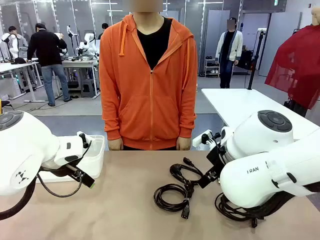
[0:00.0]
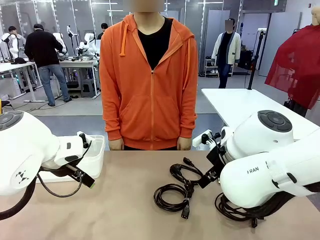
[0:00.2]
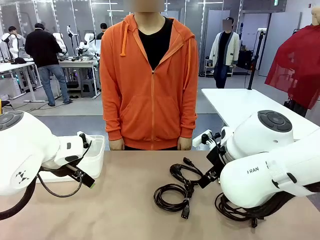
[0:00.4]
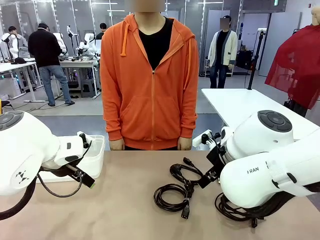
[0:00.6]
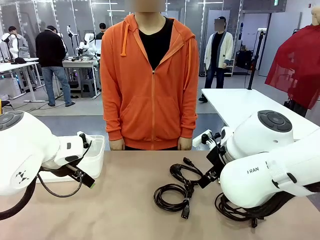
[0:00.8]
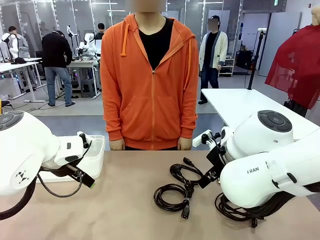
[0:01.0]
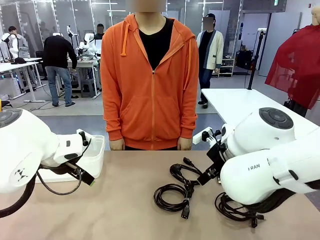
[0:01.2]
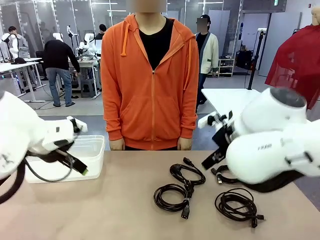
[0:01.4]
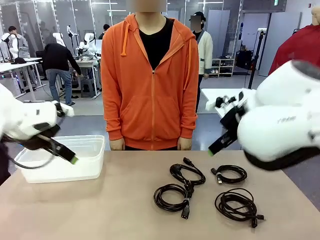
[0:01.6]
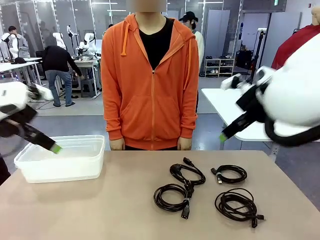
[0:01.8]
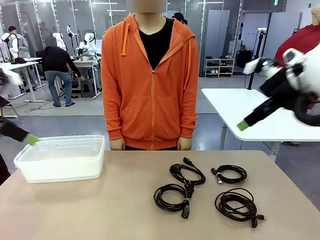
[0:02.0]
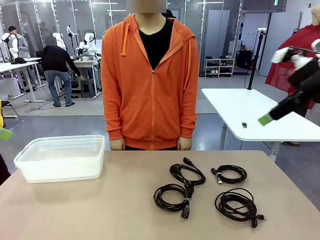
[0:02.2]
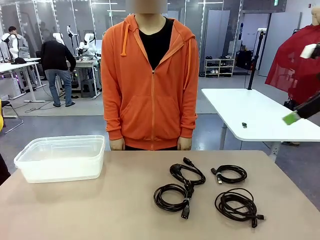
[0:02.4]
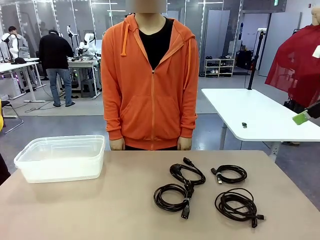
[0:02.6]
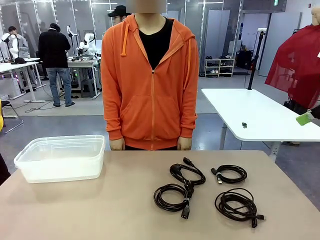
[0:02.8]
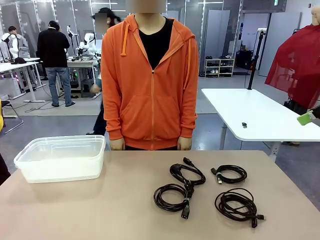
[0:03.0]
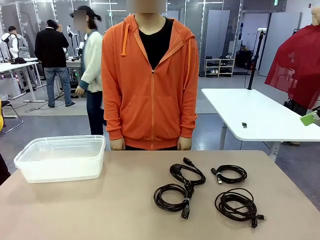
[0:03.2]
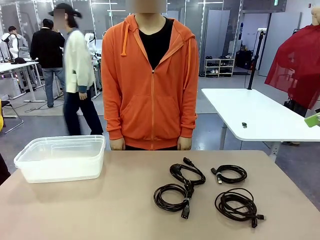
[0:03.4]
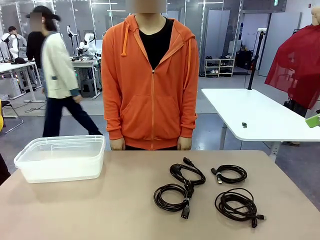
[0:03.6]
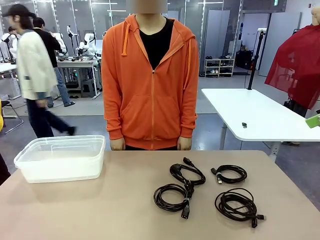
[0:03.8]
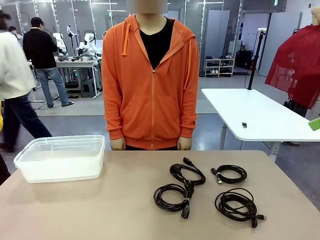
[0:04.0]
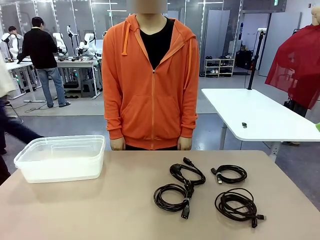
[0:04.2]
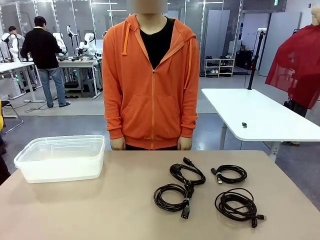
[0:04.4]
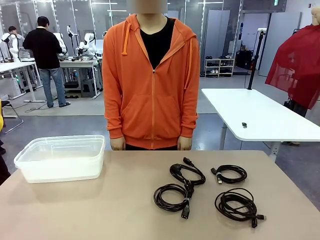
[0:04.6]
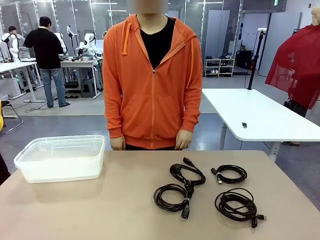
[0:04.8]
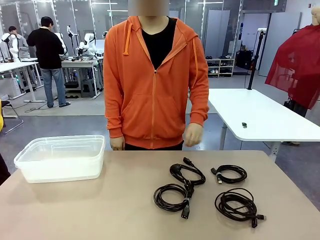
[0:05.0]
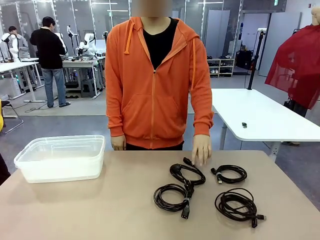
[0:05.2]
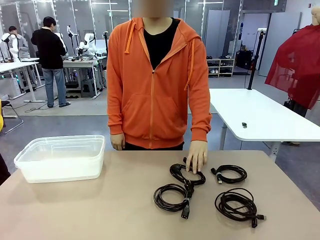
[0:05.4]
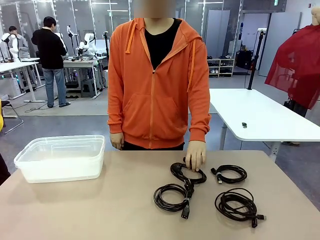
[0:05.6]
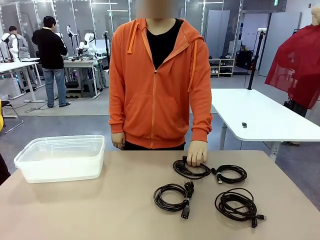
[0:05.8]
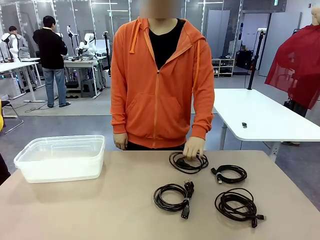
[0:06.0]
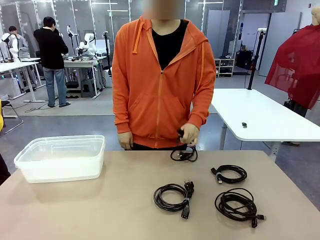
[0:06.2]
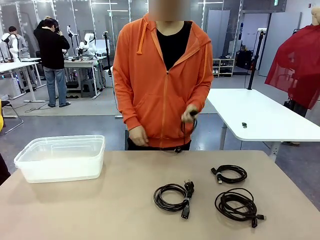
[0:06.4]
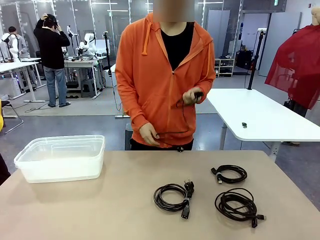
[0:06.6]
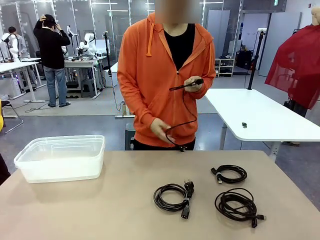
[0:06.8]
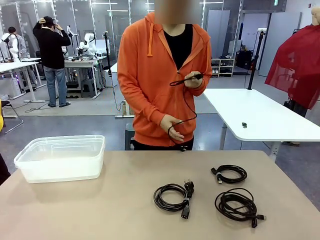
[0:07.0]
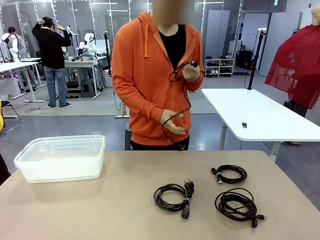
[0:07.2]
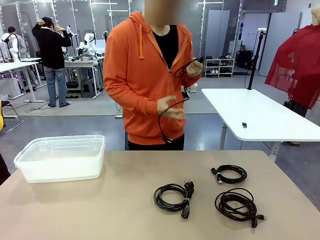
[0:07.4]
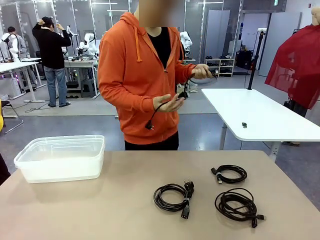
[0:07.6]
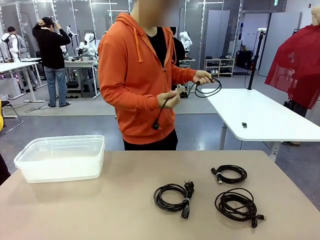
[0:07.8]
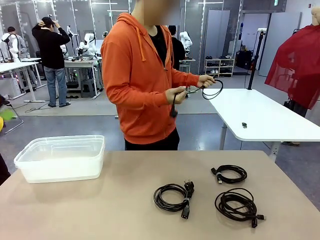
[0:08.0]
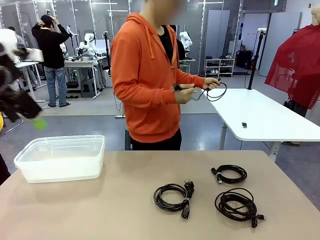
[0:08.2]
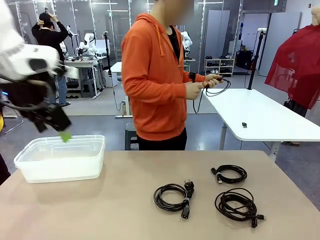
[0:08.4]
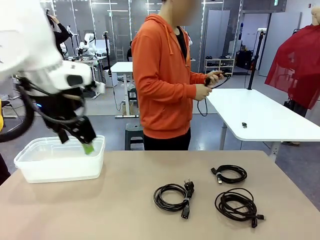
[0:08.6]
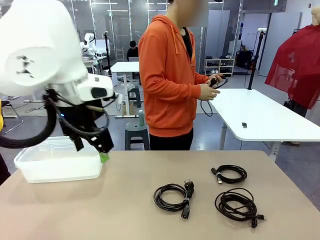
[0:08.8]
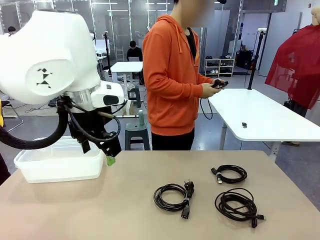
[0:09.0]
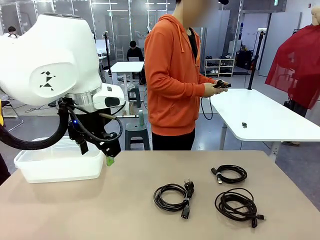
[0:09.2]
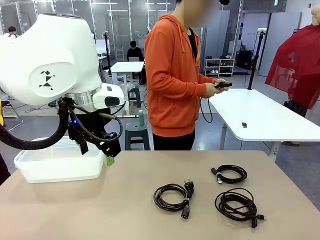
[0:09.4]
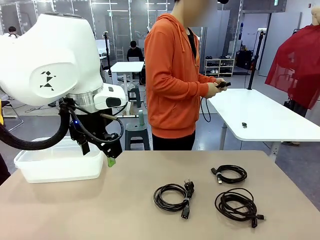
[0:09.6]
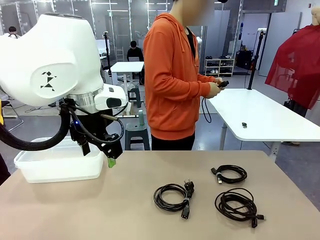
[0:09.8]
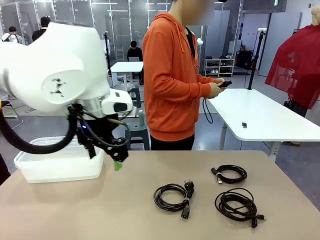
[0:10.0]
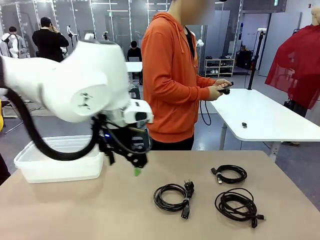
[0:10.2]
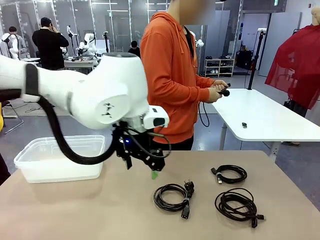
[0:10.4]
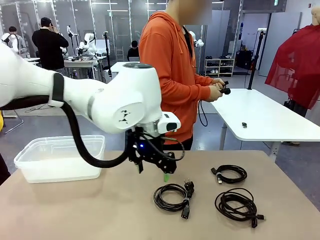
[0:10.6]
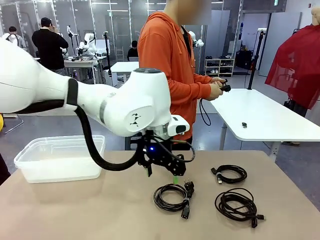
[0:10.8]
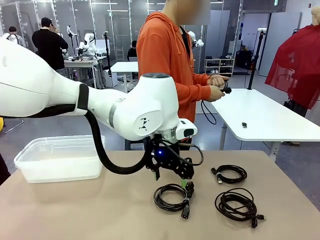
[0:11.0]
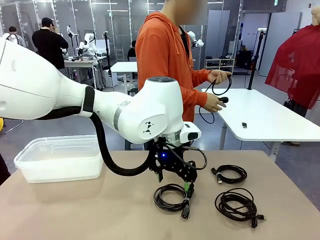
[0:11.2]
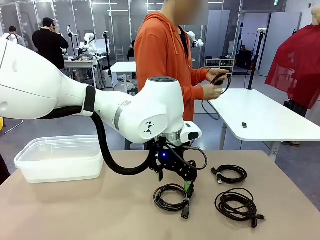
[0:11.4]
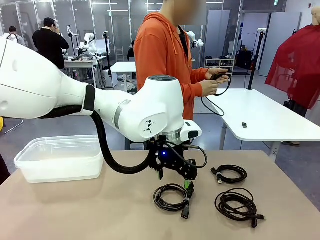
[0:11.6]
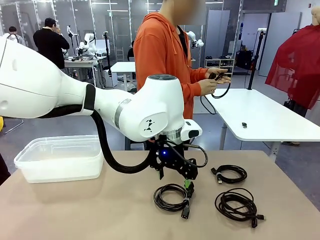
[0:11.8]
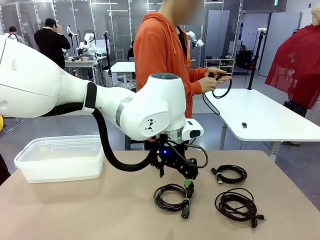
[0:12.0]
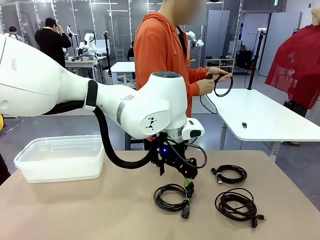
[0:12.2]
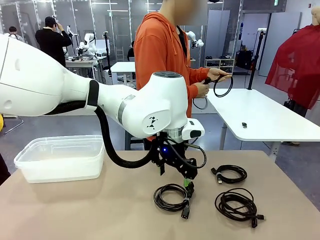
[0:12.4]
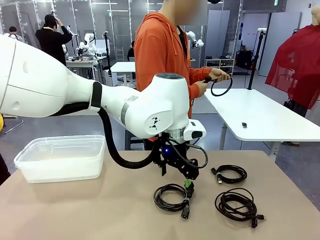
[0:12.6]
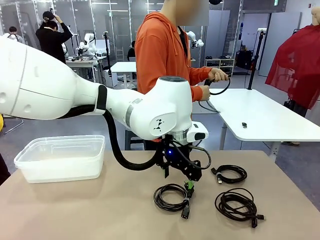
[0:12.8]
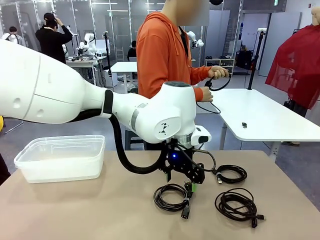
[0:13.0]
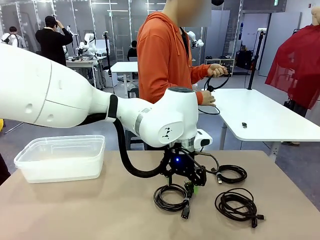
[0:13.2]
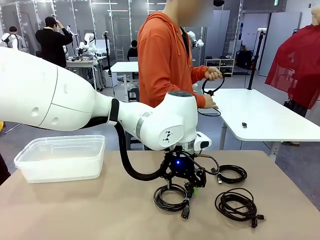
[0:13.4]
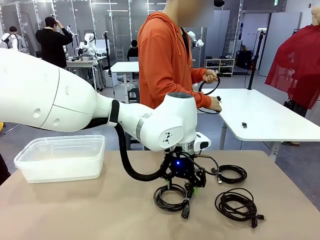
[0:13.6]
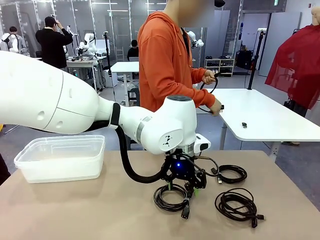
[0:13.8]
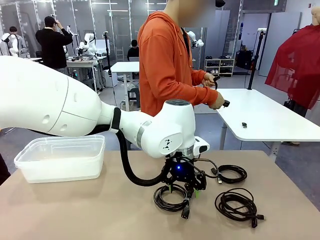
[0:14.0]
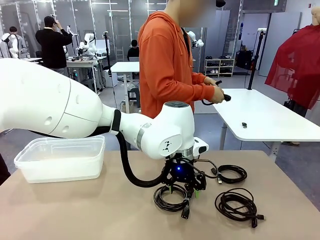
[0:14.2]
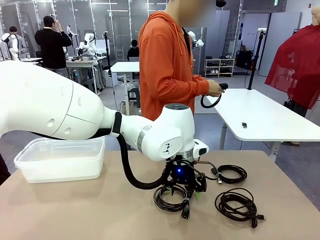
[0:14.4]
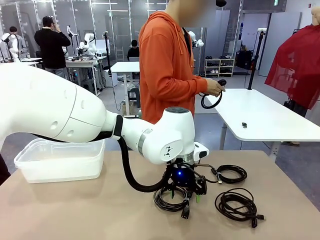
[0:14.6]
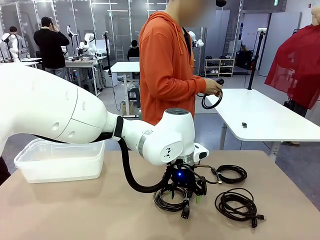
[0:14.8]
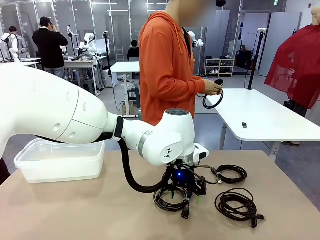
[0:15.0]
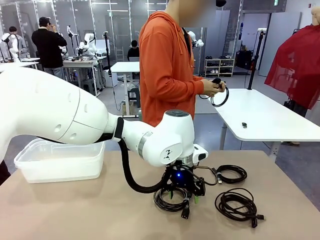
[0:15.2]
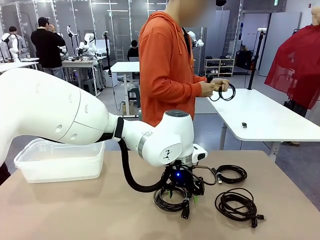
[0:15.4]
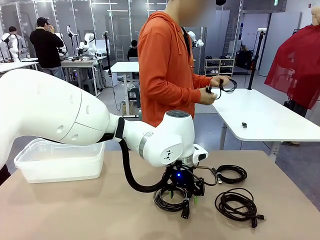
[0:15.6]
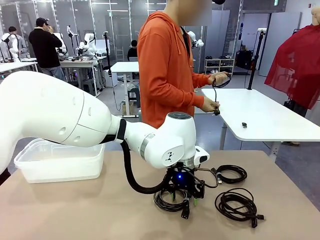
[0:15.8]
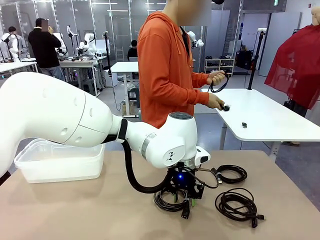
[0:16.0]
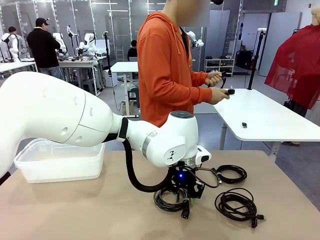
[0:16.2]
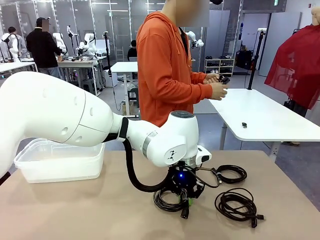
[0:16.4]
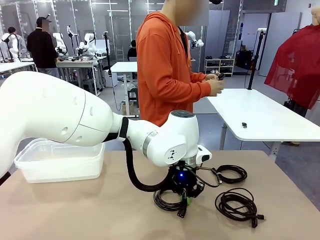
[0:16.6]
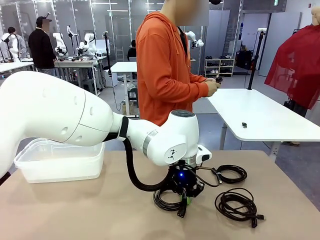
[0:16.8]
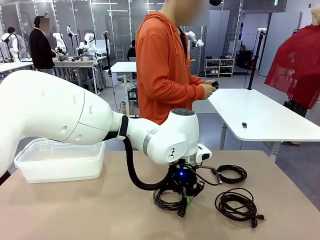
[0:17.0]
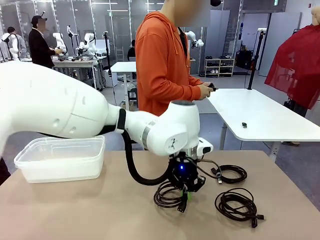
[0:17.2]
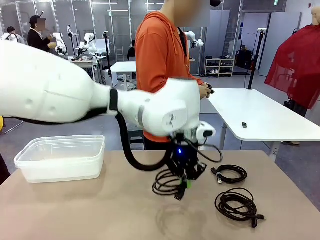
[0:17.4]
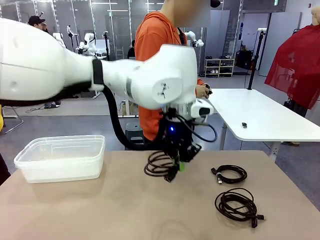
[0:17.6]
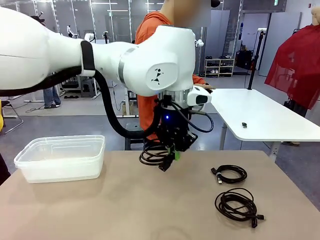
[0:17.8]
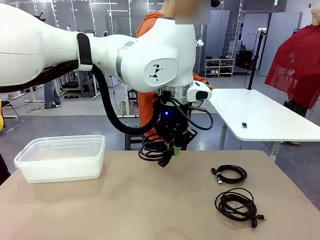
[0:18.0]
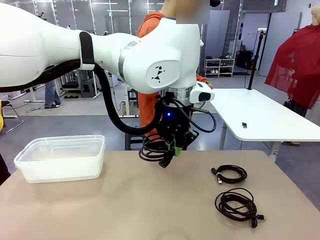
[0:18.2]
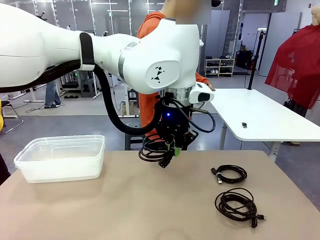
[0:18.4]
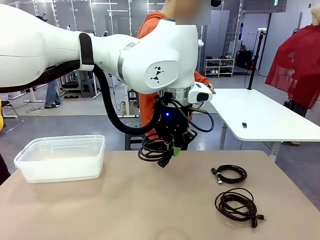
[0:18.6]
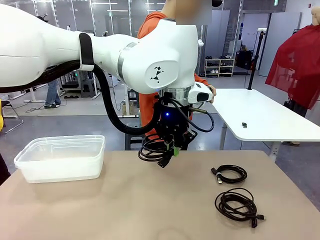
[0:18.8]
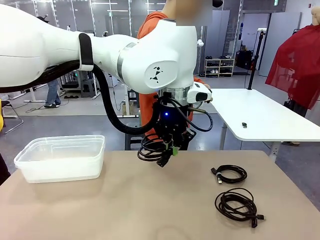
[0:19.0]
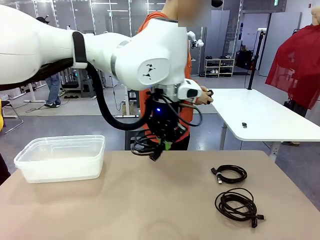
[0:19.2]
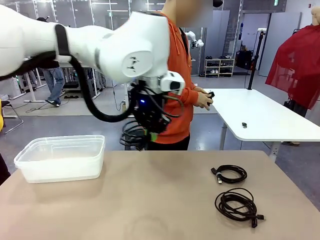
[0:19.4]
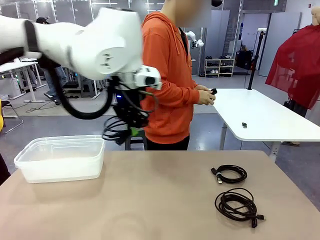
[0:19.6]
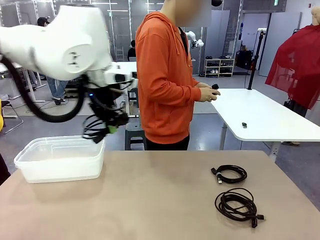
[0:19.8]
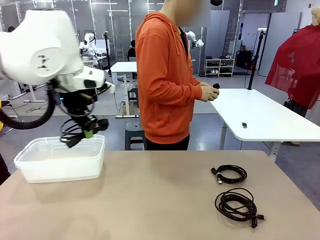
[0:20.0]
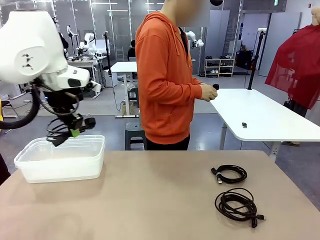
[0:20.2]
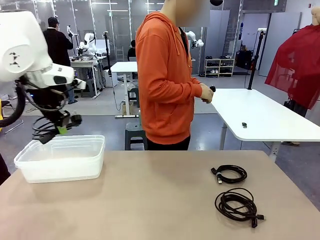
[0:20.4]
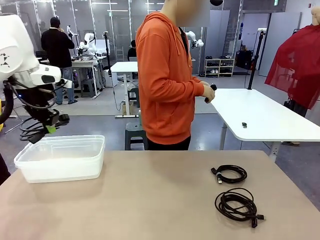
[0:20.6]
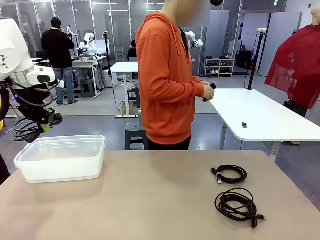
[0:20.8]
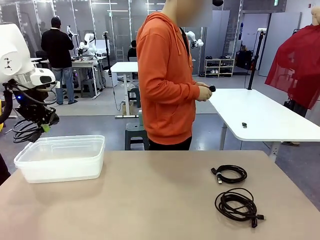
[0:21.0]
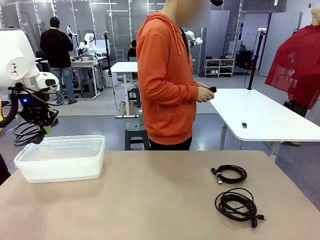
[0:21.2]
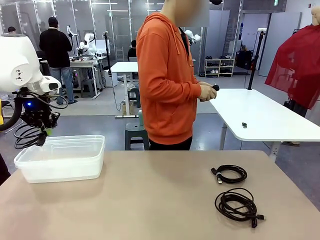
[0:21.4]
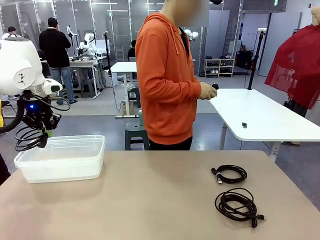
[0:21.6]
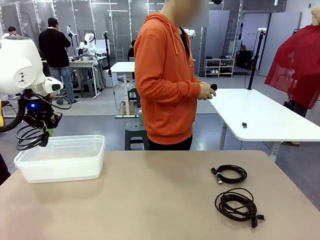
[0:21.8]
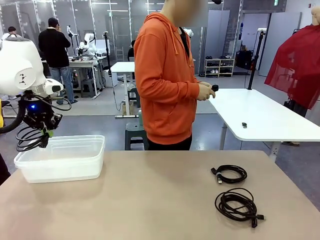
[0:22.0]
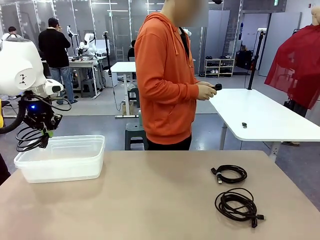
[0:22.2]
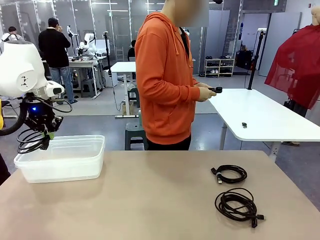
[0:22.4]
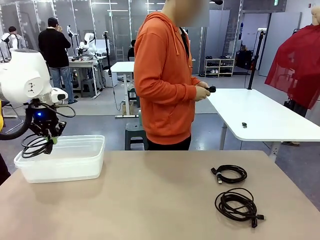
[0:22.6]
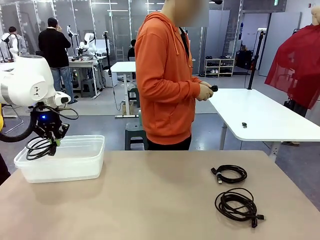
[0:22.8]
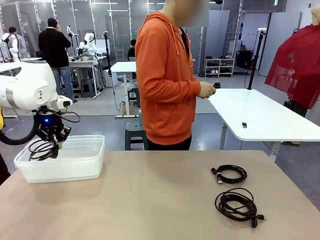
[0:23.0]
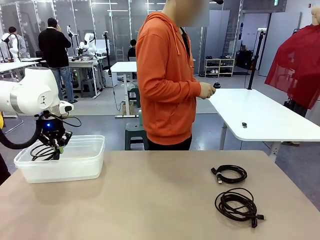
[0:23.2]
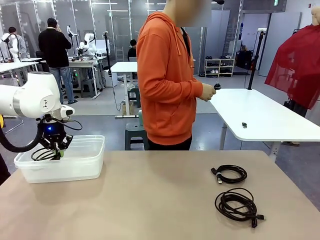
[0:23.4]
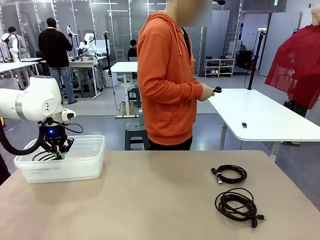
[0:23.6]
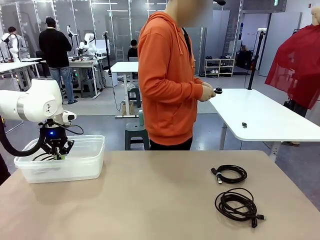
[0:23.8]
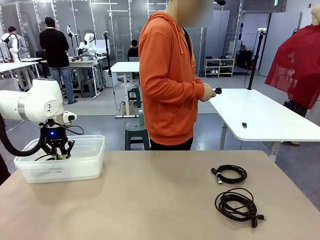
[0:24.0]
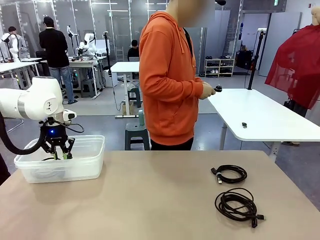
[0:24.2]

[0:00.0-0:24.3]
Task: Organize and store the cables.
Robot: Place the Power Cable into the Organizing box.
Person: Tie one Power Cable with a Reusable Cable Tie.
